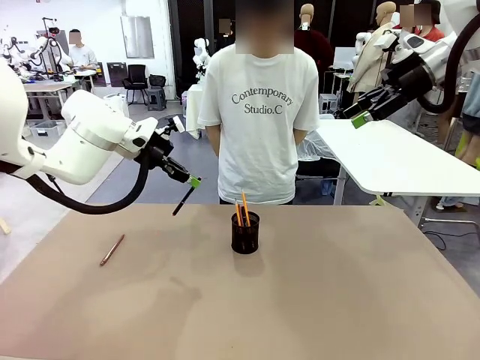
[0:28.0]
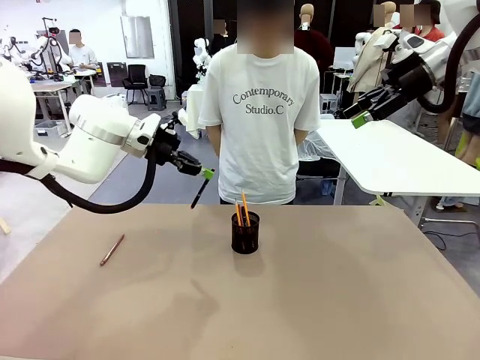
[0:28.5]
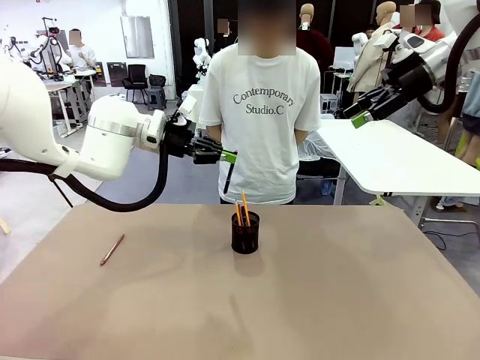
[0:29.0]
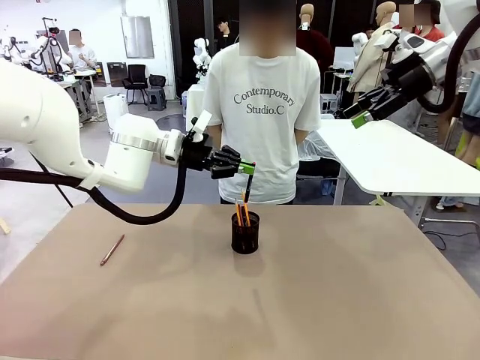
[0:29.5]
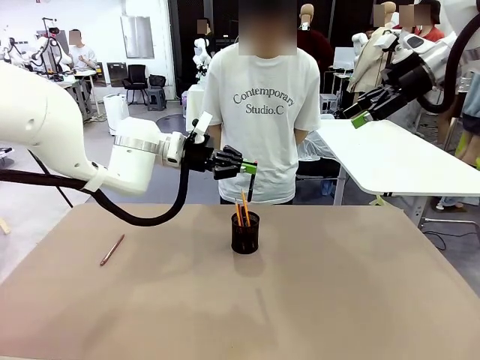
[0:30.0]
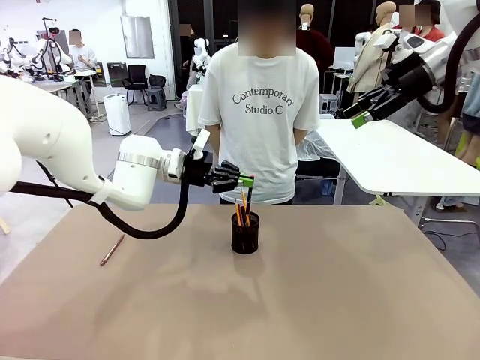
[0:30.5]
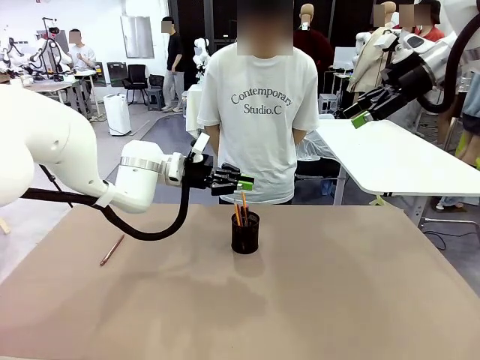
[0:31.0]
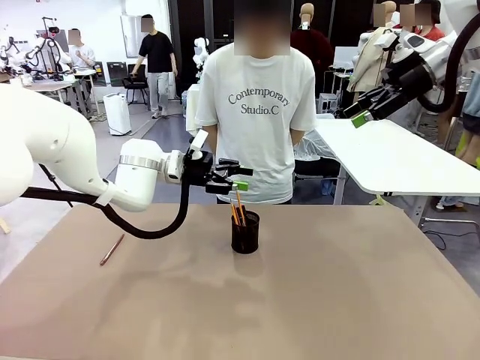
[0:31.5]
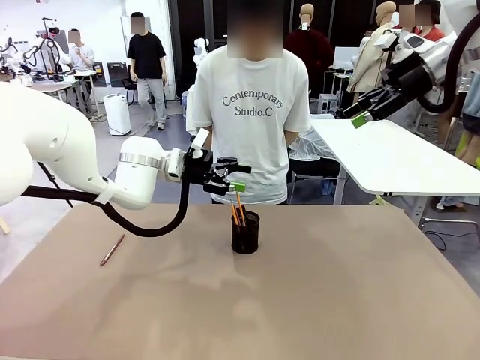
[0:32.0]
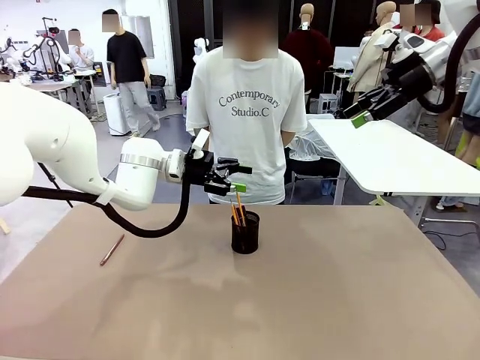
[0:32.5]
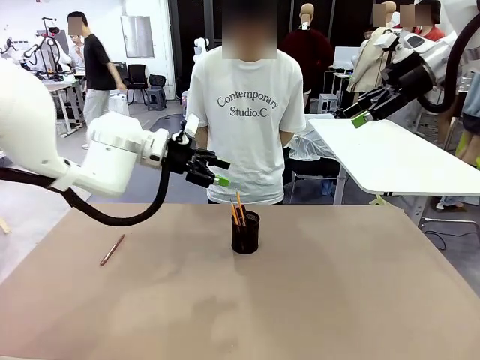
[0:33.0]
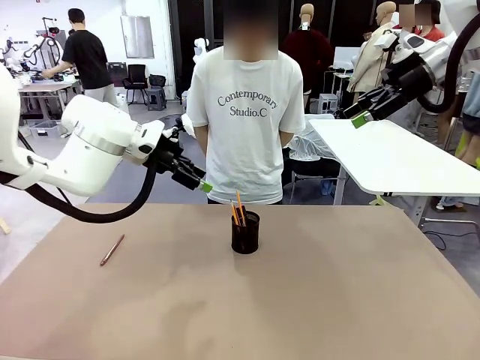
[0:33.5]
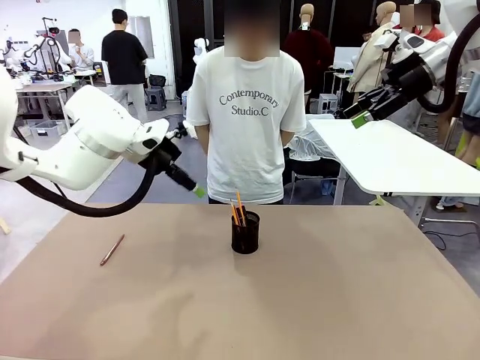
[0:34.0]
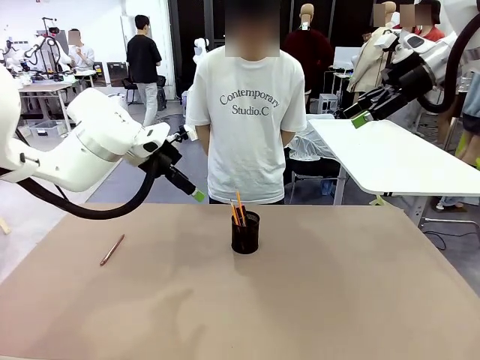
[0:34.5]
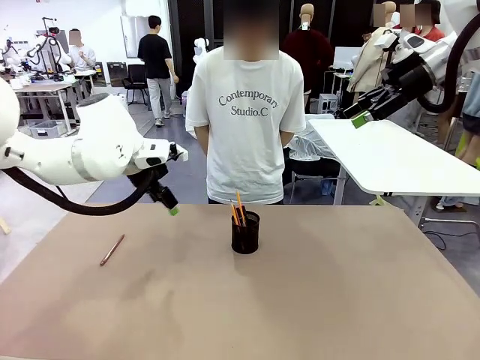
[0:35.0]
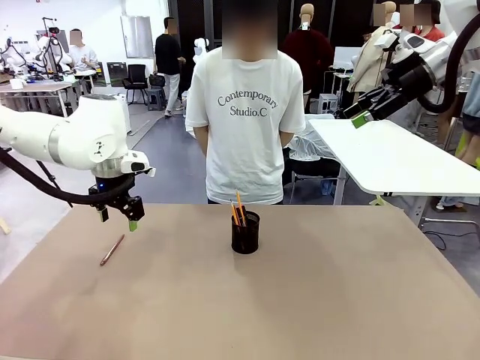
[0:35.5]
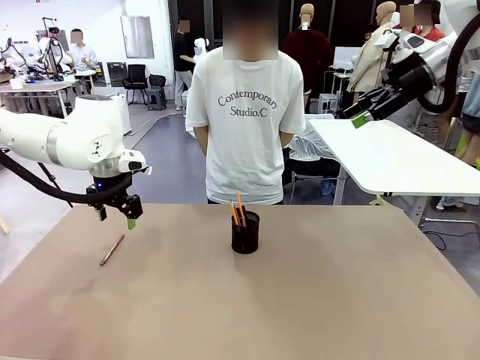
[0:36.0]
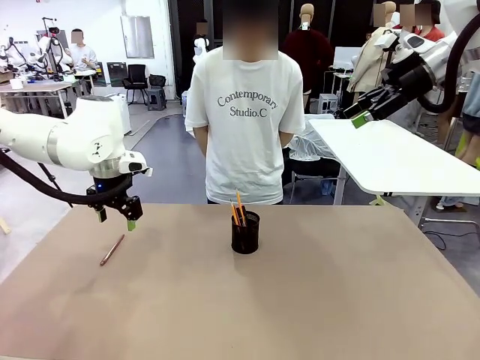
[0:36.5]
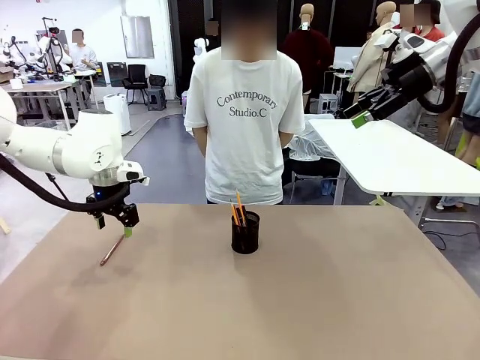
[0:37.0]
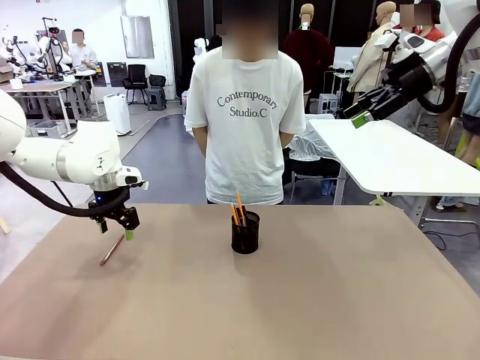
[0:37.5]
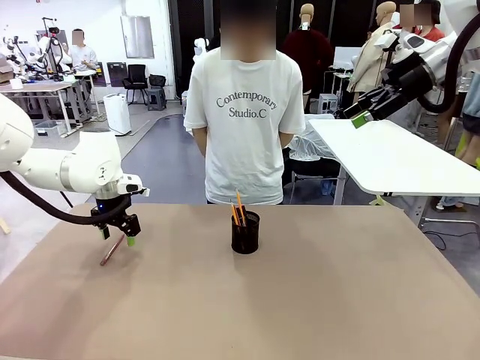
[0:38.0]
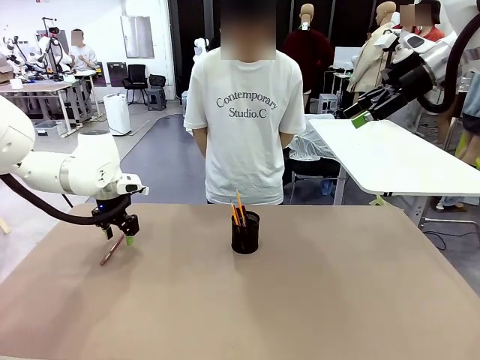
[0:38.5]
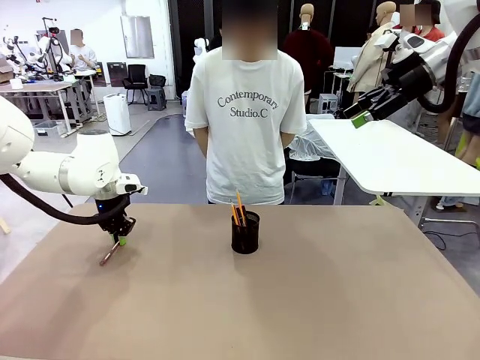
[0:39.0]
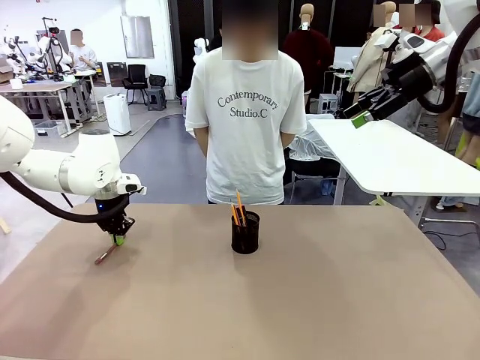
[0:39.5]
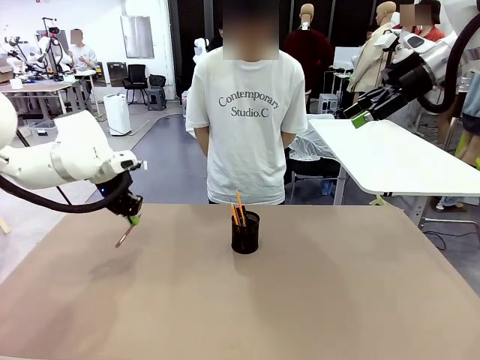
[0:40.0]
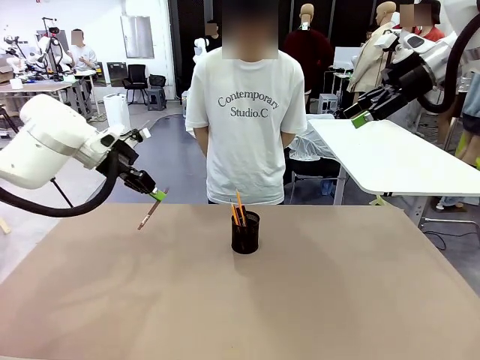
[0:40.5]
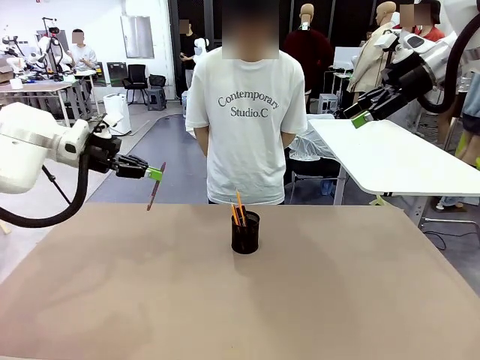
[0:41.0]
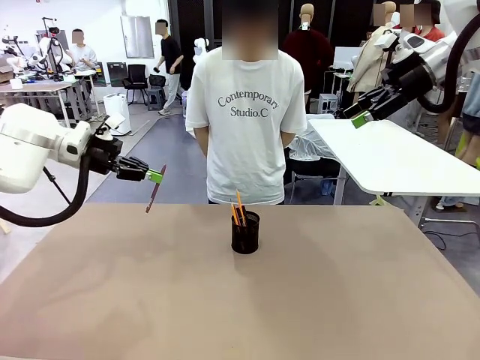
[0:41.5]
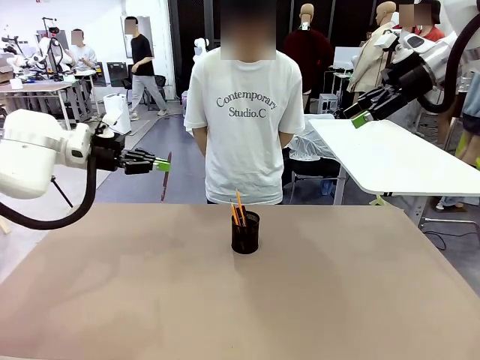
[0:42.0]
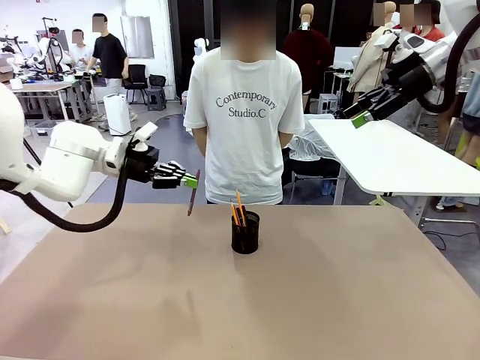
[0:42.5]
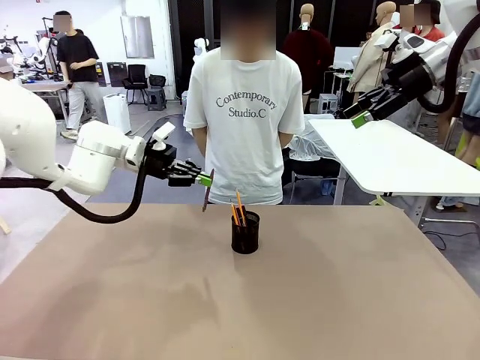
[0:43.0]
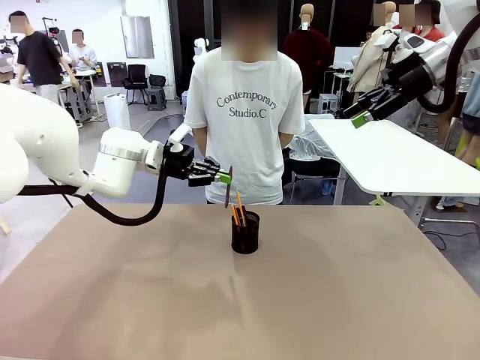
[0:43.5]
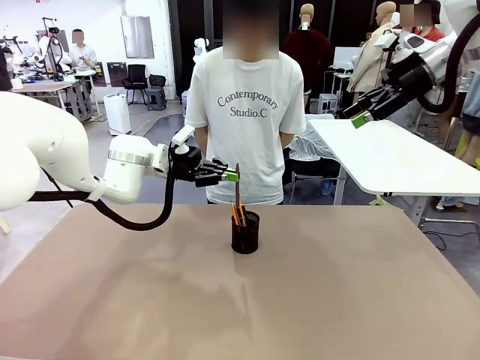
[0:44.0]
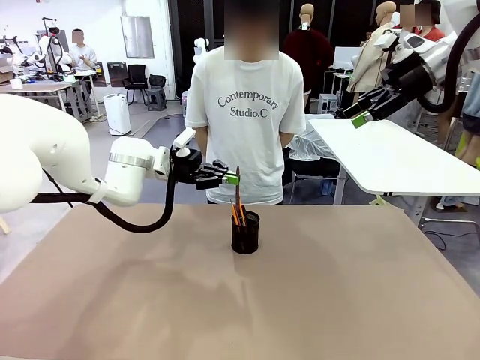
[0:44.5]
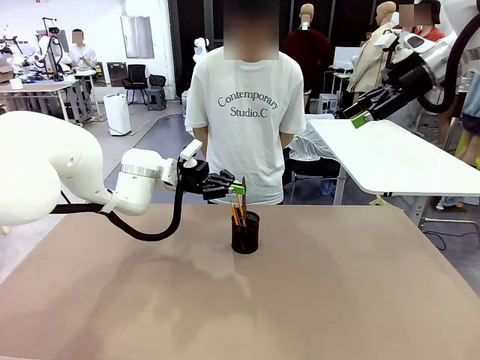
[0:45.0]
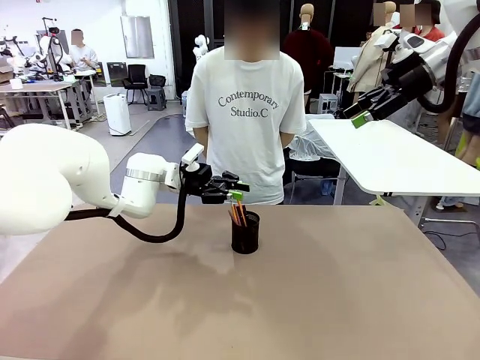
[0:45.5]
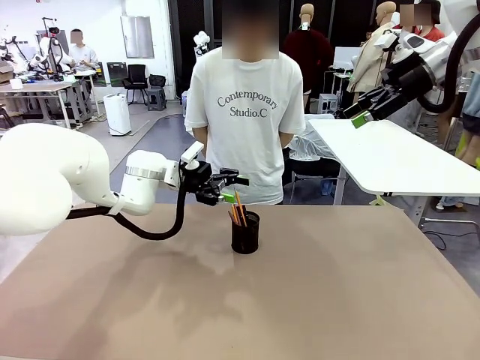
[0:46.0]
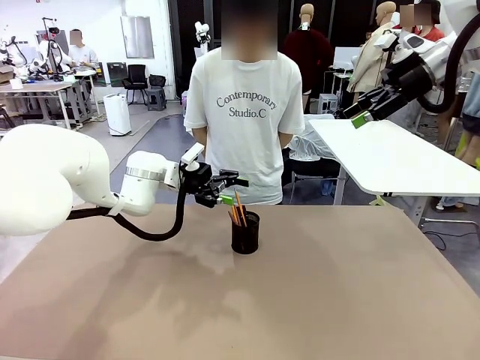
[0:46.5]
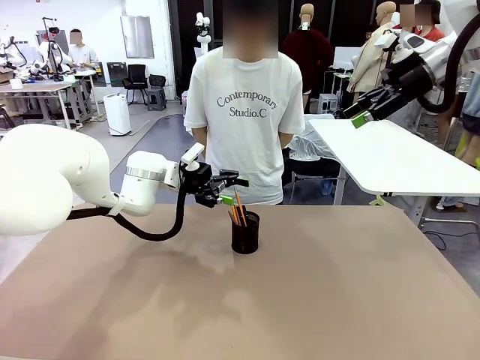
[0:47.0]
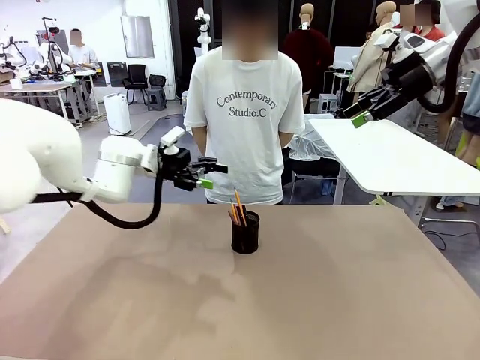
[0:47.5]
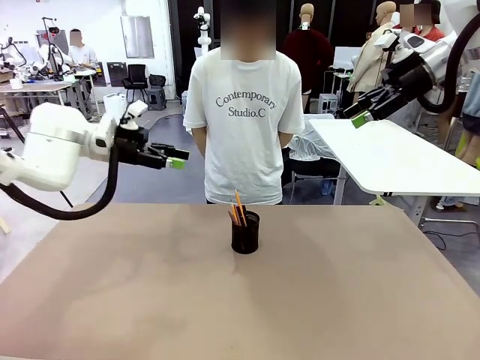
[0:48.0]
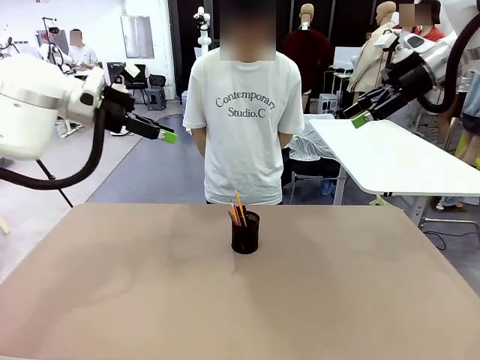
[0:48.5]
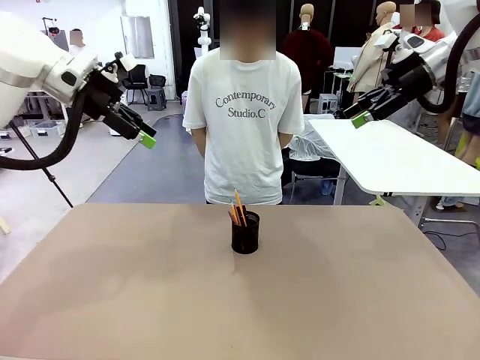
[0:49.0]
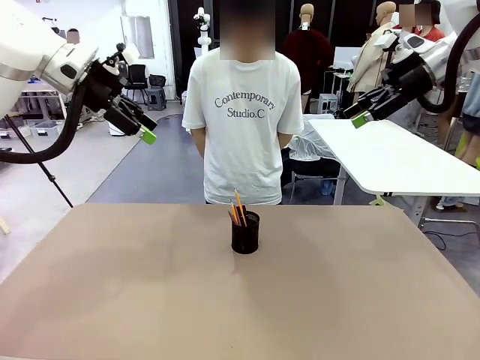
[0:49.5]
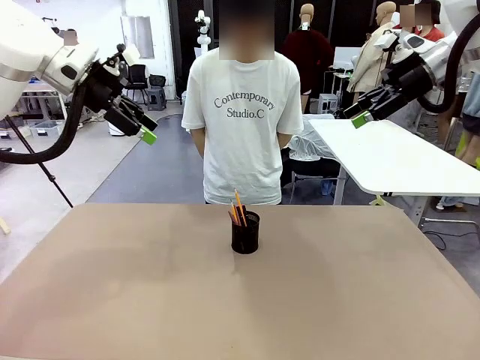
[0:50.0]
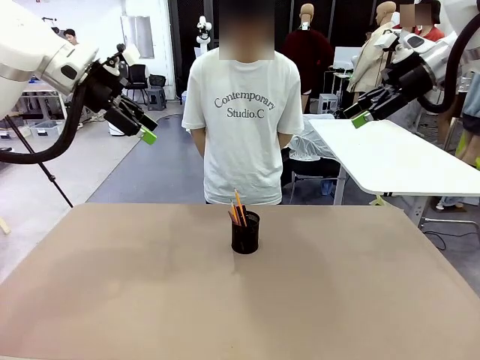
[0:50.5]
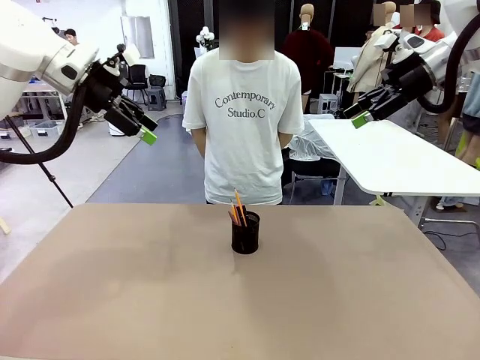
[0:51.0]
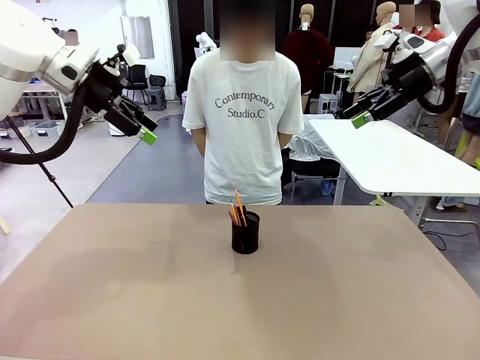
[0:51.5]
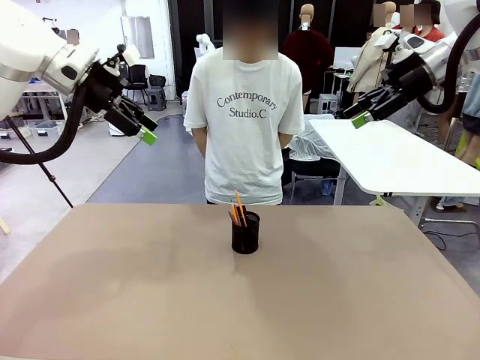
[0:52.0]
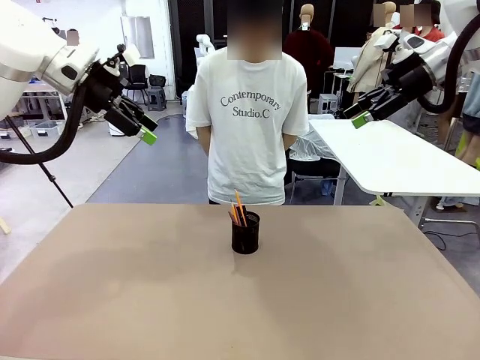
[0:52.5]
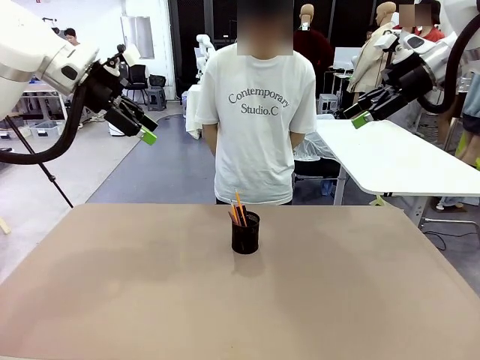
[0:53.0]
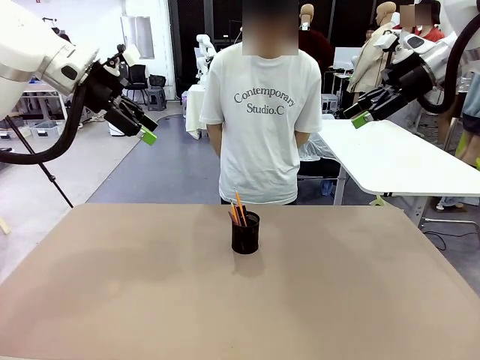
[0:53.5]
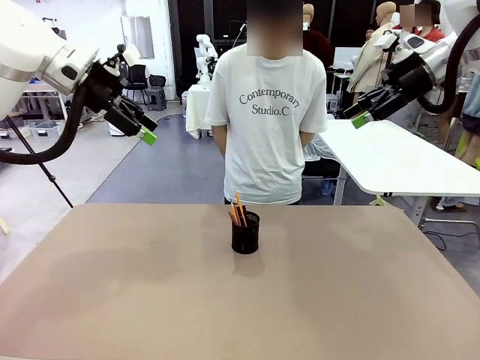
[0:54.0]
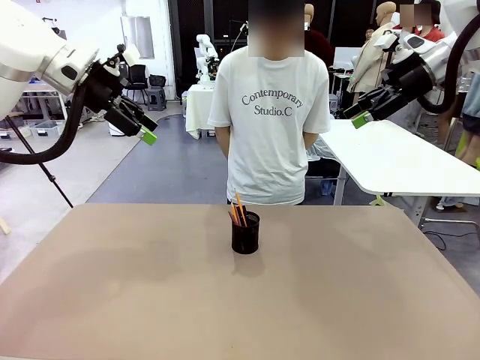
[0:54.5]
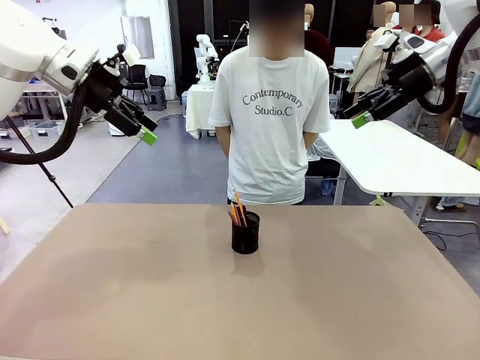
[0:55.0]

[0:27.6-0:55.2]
Task: Place the pens into the pen holder.
Robot: Pick up a writing instrument from the table and place it into the Pen holder.
Person: Place all writing instrument into the Pen holder.
